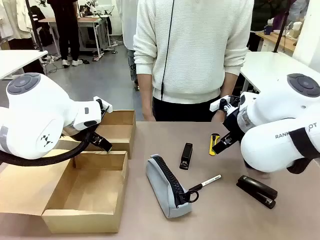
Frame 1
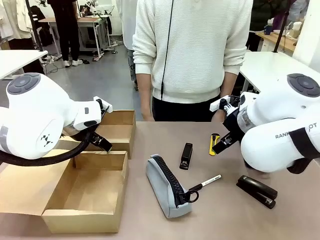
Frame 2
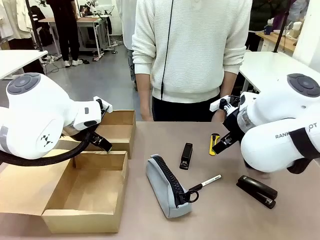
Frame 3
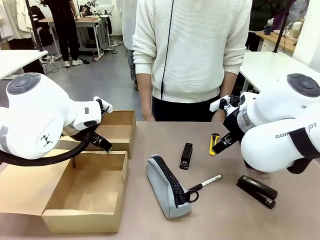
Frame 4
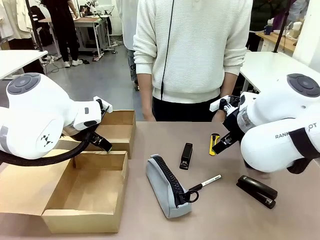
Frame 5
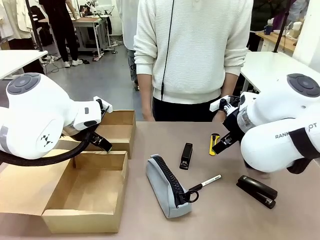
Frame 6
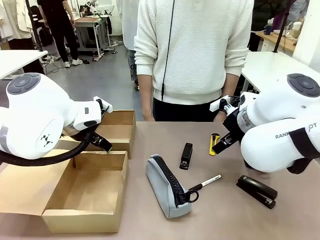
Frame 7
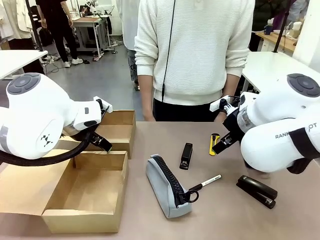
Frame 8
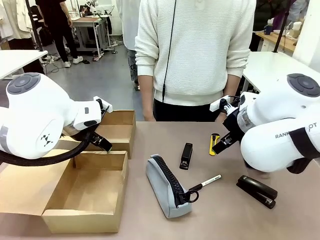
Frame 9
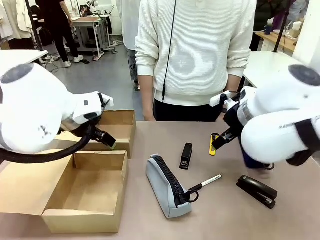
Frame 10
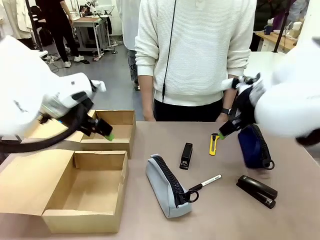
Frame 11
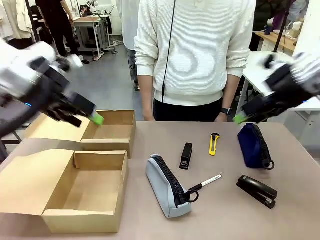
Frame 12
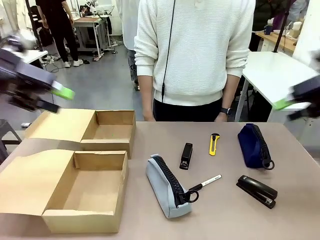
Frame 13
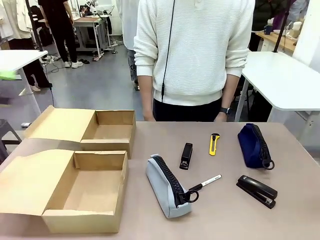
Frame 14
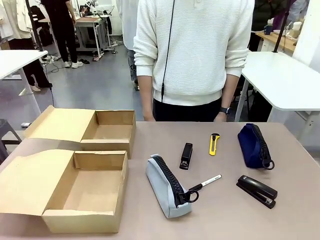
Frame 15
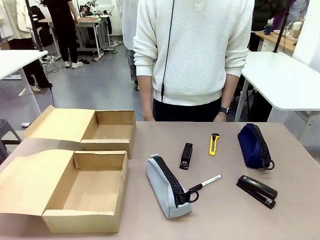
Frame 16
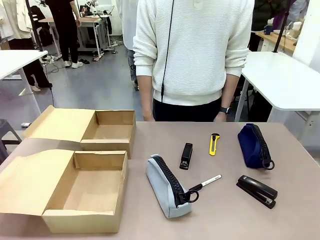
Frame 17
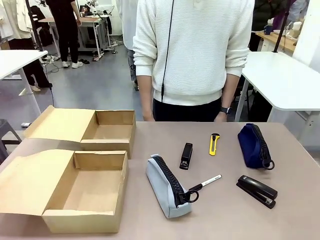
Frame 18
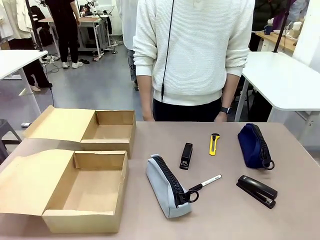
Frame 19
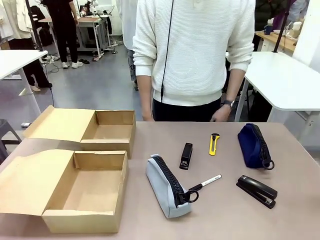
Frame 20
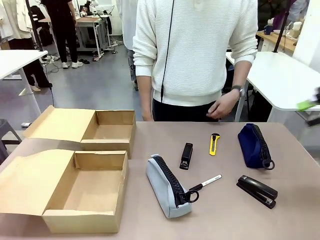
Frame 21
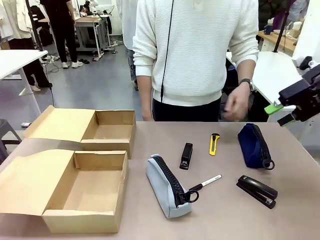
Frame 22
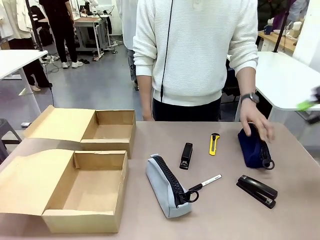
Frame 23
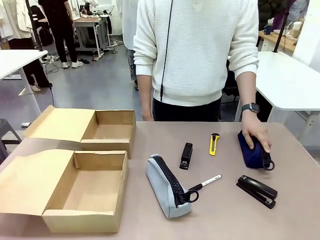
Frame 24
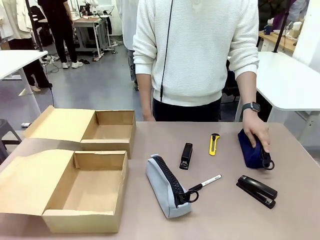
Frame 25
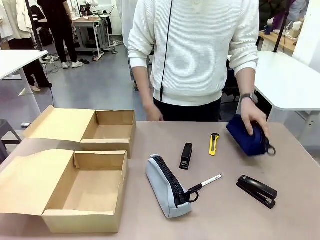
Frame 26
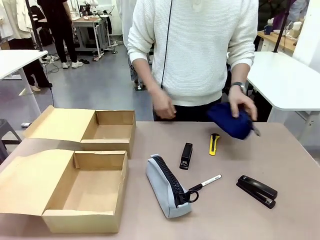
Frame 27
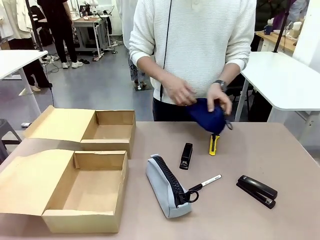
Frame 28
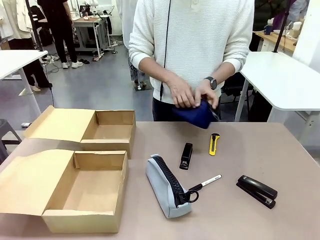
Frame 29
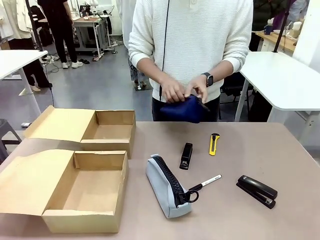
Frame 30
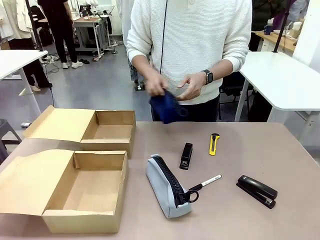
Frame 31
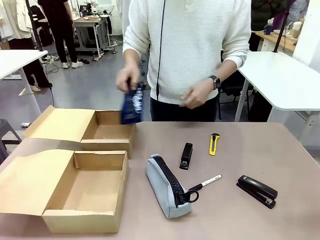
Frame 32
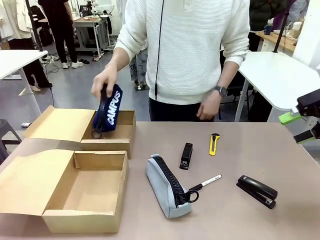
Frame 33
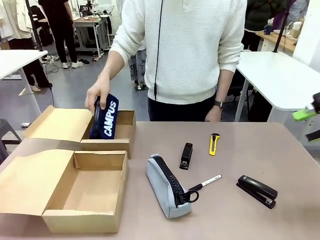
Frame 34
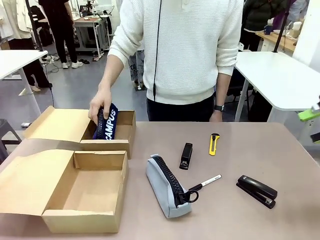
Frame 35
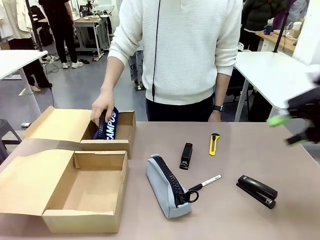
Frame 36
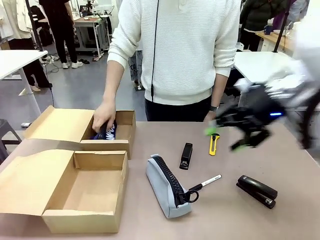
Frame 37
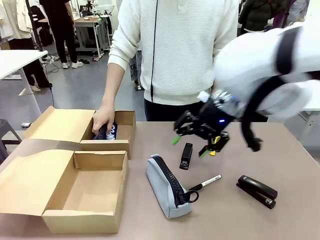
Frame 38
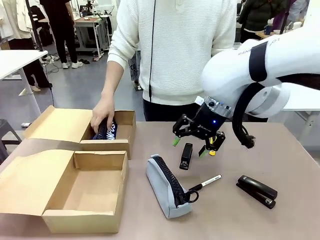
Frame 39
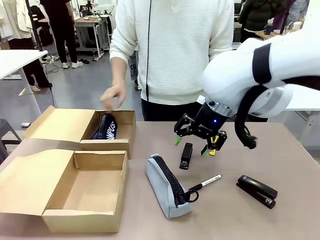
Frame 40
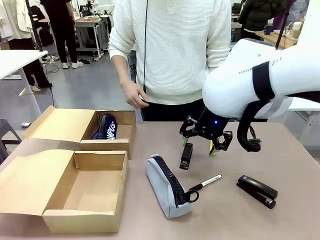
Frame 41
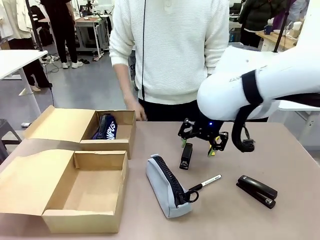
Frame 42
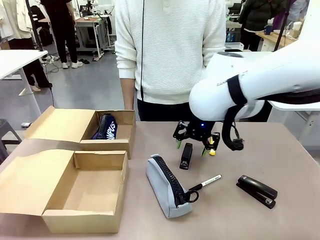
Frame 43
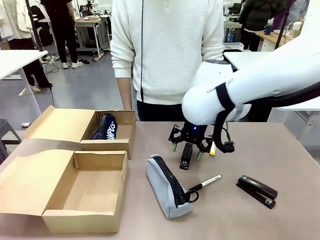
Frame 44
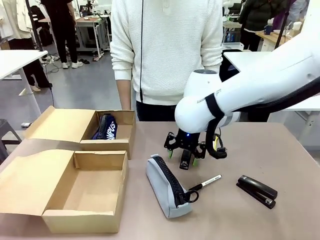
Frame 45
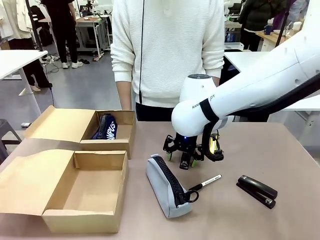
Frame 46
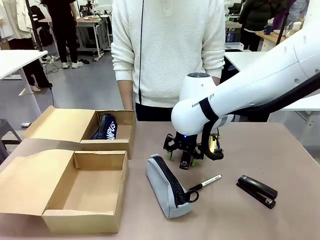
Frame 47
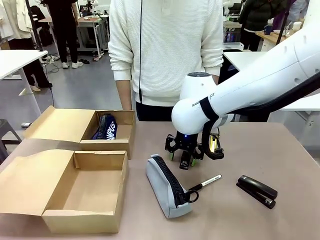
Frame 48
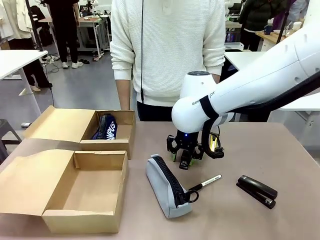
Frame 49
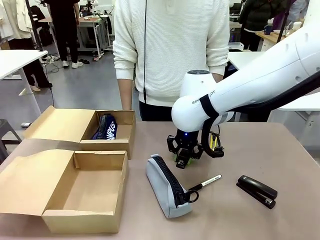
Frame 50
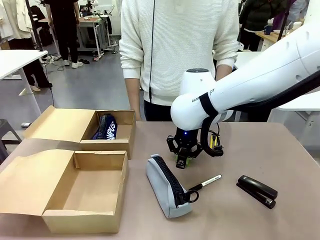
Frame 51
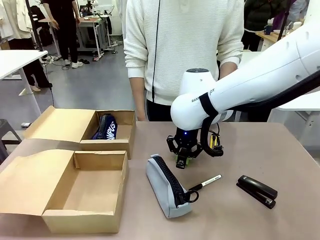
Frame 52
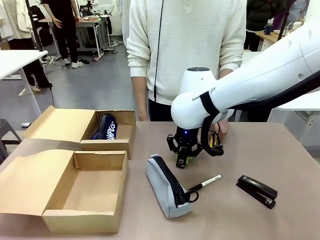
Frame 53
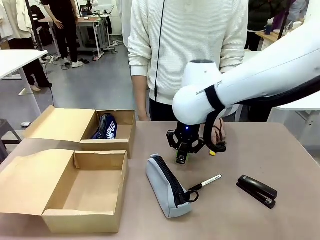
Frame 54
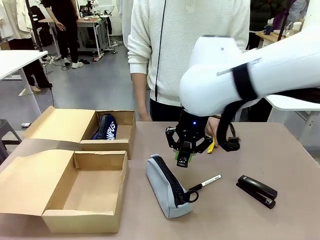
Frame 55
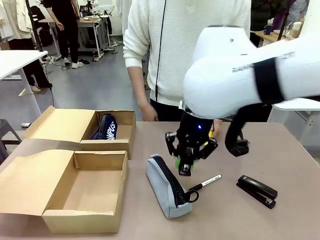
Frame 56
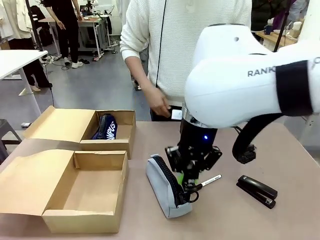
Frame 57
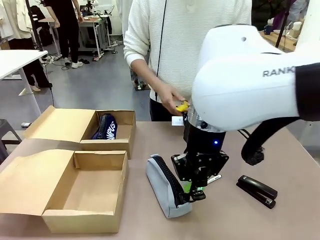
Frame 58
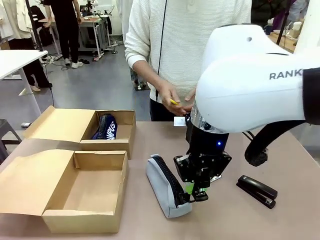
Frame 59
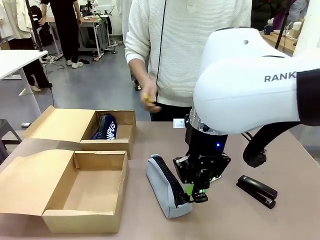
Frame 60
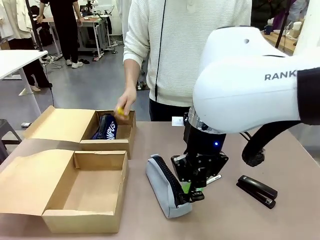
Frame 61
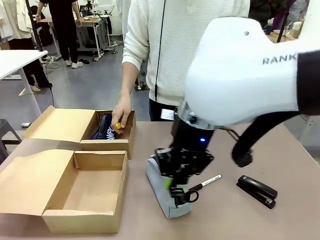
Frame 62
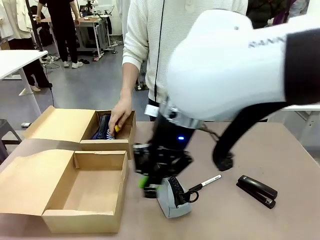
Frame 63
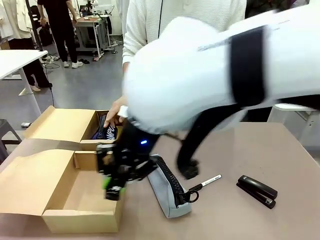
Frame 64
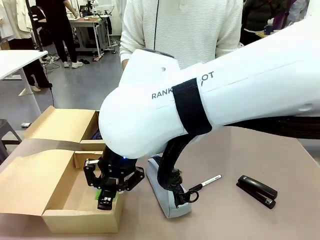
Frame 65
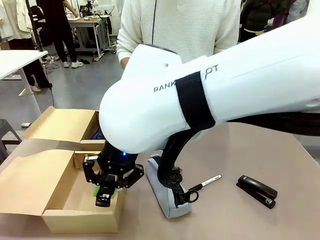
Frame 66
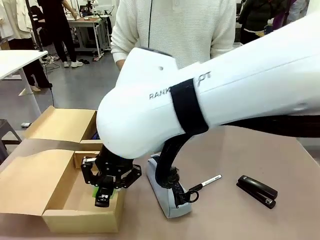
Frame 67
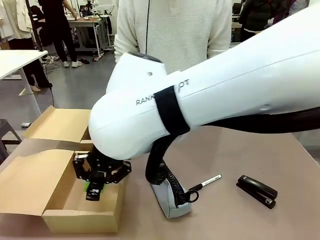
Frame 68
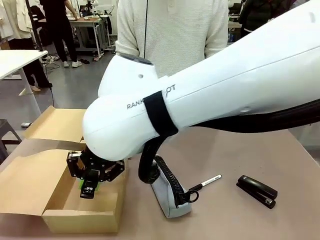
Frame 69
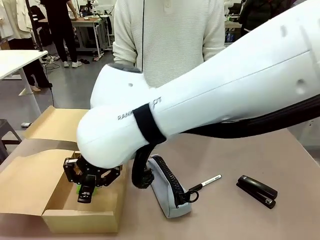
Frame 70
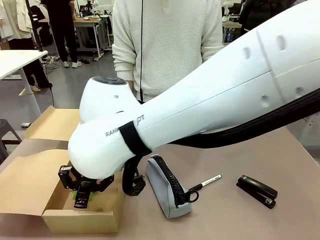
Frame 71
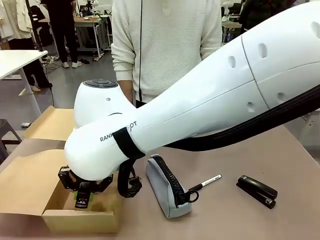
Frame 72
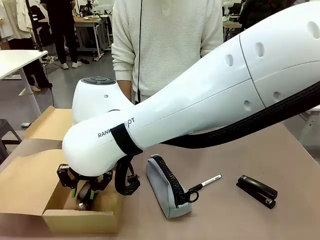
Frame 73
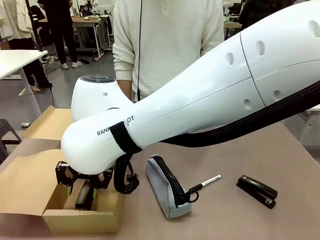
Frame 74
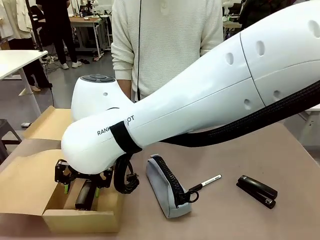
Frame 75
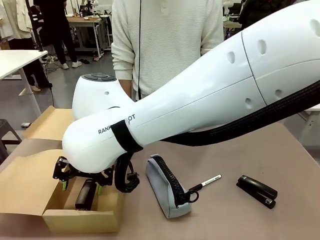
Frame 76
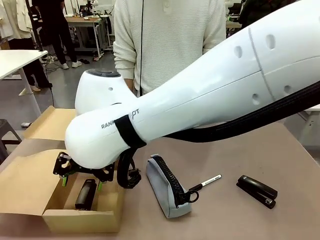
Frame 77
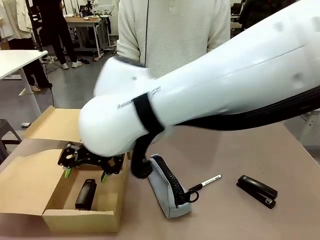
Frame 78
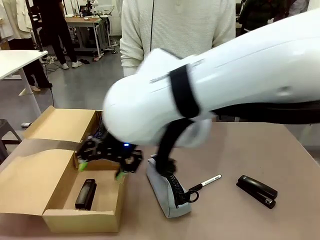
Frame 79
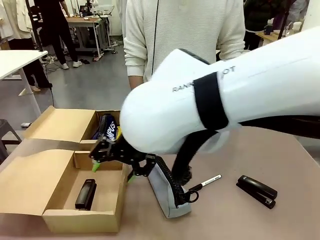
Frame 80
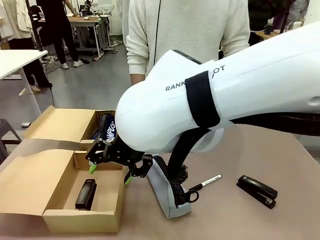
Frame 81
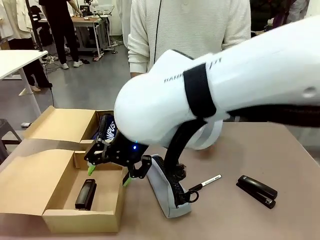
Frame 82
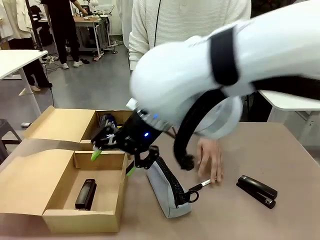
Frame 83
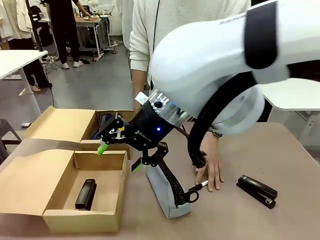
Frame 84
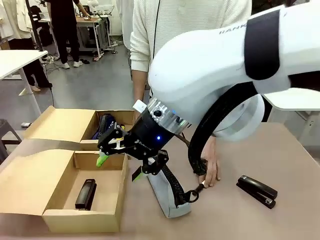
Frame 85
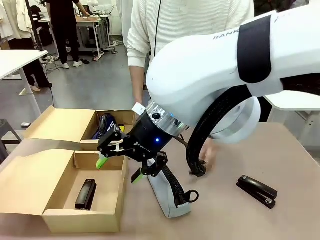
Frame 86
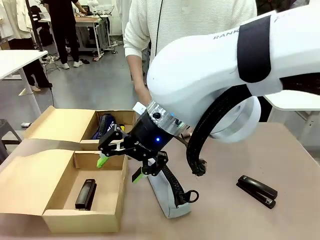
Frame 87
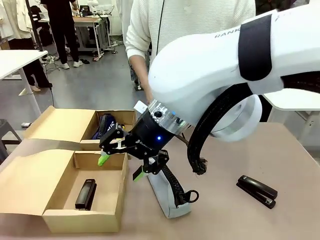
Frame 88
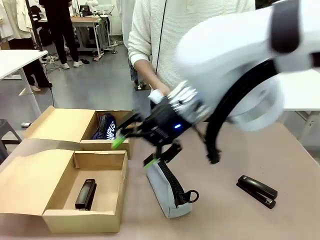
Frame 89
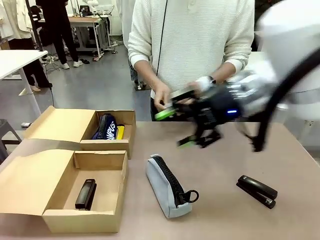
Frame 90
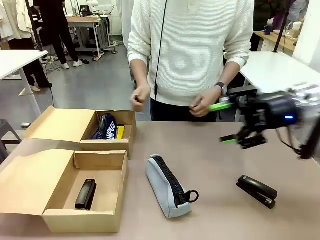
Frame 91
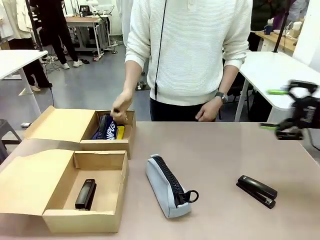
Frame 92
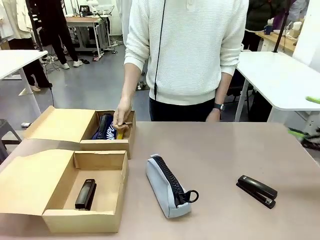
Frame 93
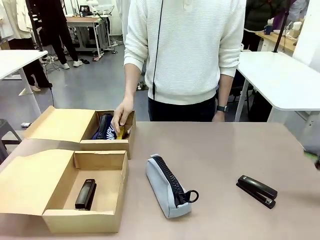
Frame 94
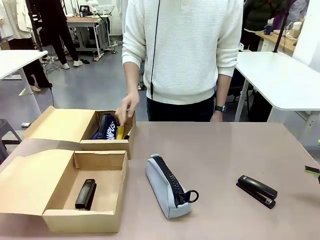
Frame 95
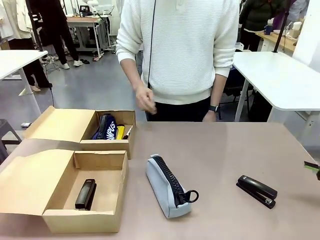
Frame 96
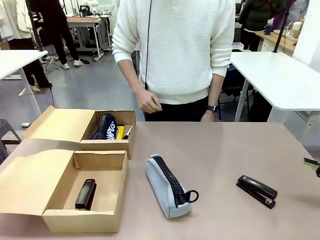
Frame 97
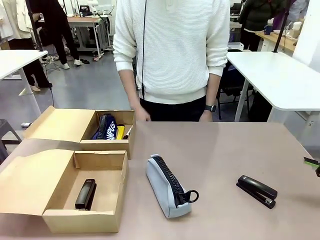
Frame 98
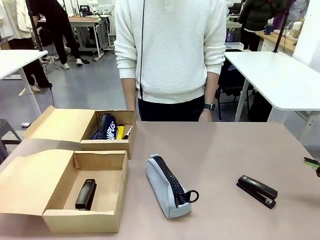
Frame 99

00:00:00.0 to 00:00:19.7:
Task: Place items inside the box.
Robot: Pick up a Pencil pouch or Stapler and place it inside the Mailer Box closest to the robot.
Person: Pick up an object on the table and put it in the box.
